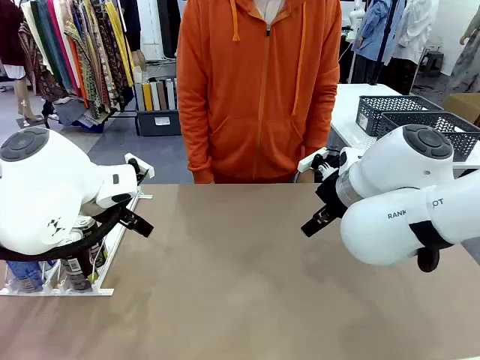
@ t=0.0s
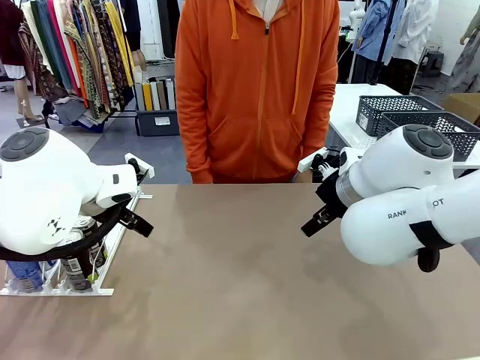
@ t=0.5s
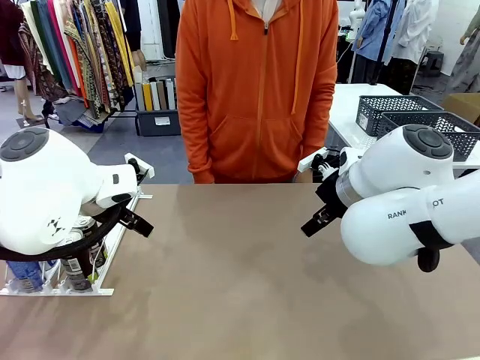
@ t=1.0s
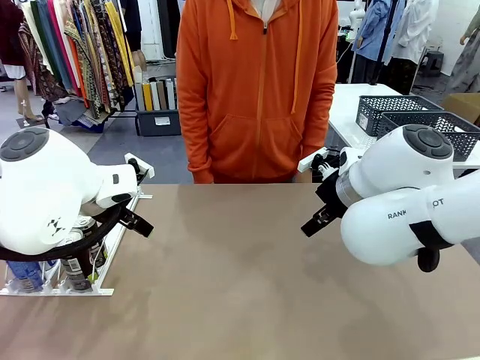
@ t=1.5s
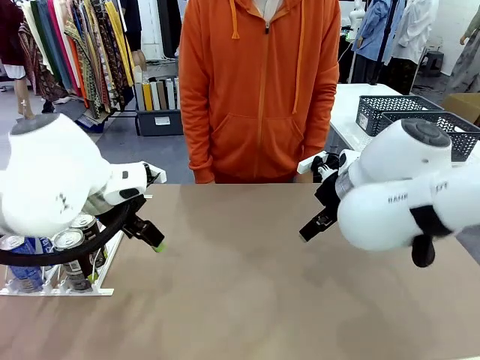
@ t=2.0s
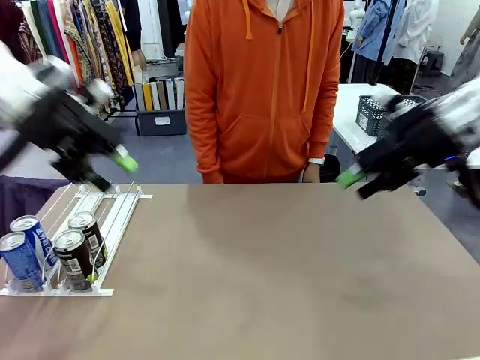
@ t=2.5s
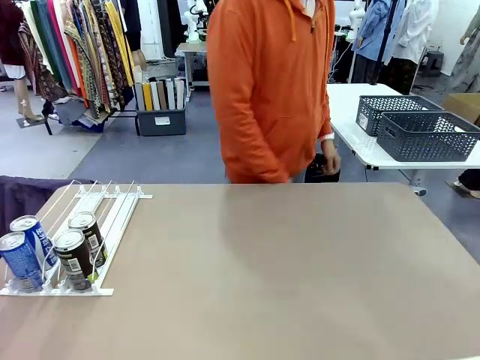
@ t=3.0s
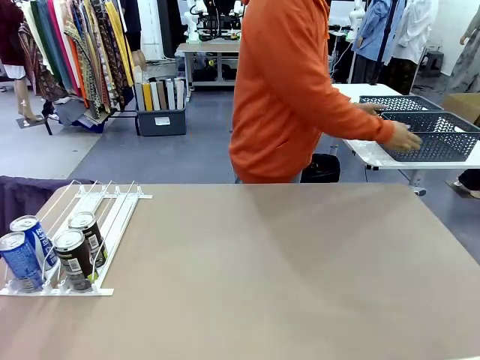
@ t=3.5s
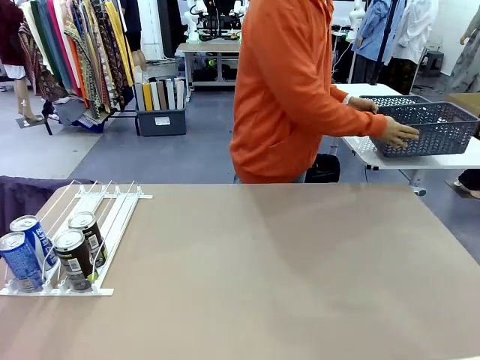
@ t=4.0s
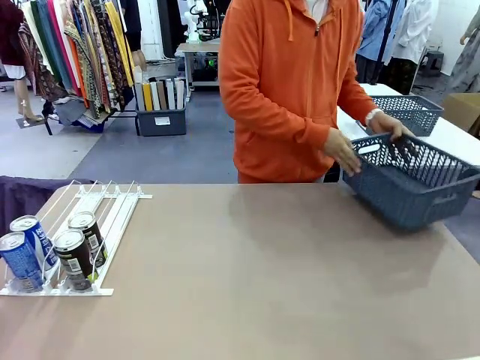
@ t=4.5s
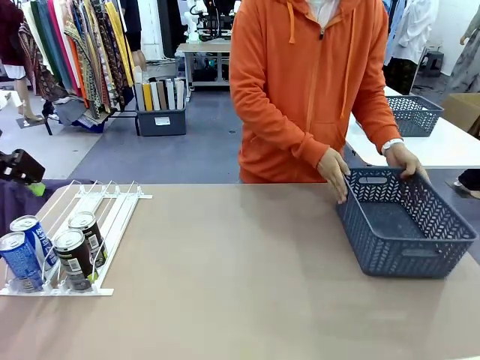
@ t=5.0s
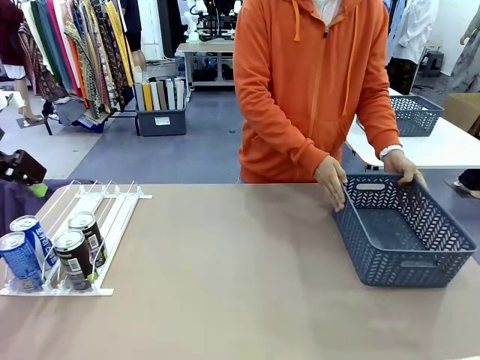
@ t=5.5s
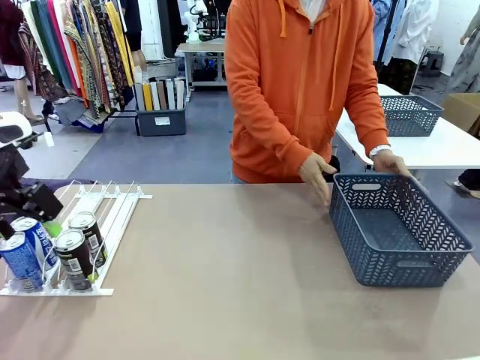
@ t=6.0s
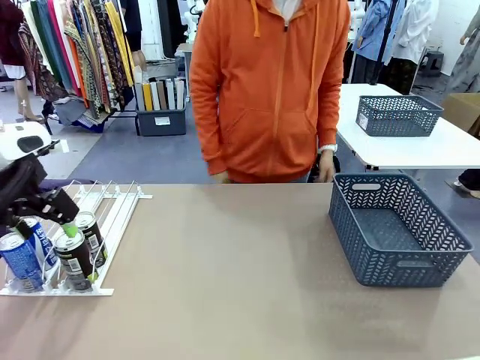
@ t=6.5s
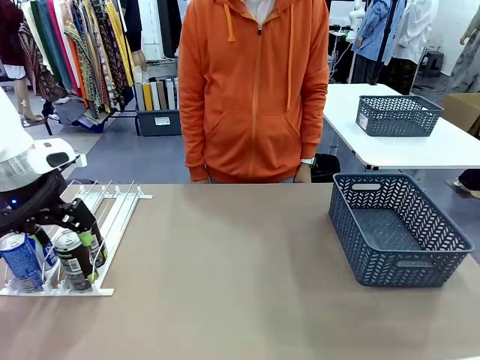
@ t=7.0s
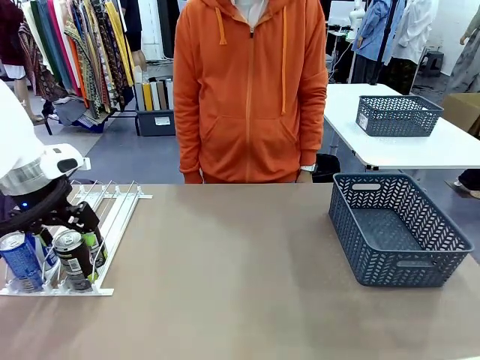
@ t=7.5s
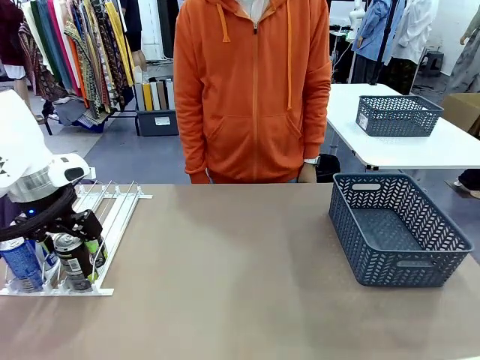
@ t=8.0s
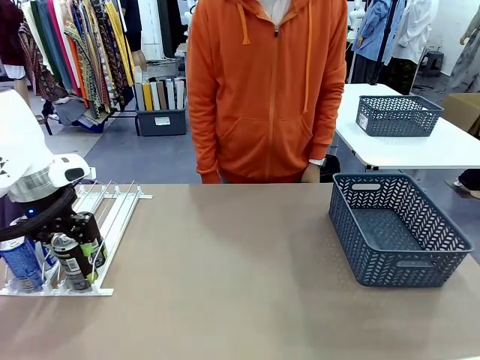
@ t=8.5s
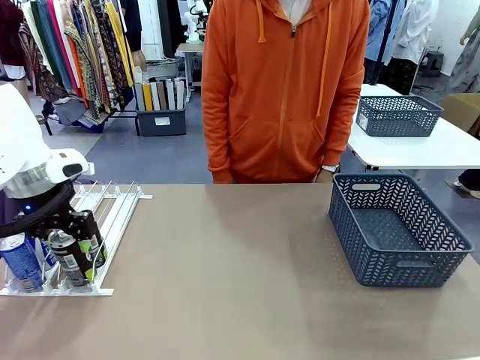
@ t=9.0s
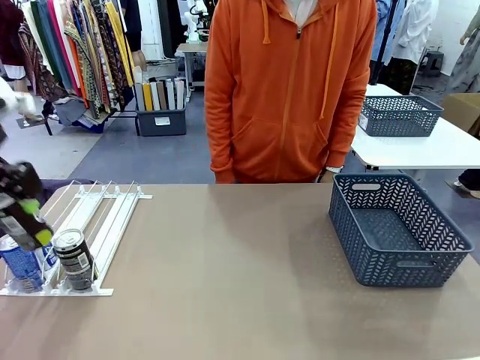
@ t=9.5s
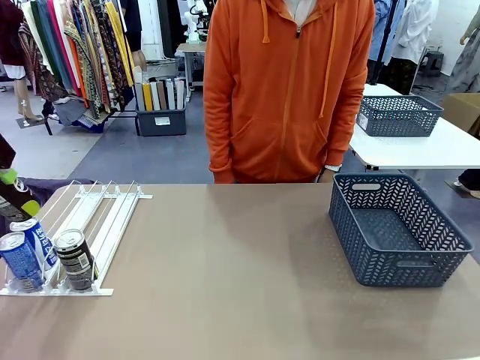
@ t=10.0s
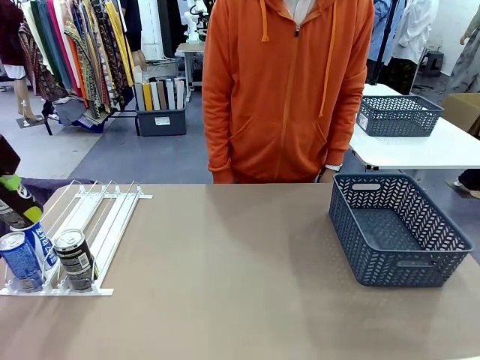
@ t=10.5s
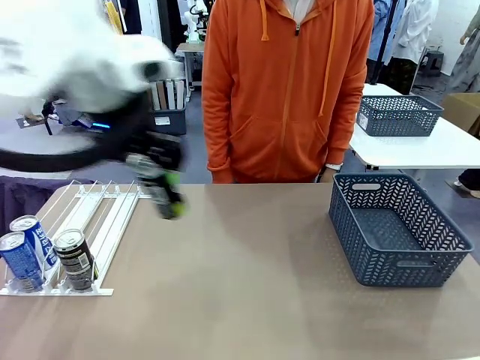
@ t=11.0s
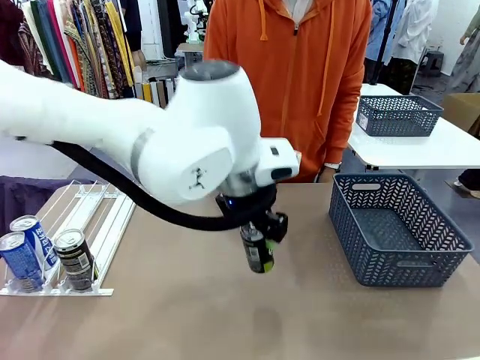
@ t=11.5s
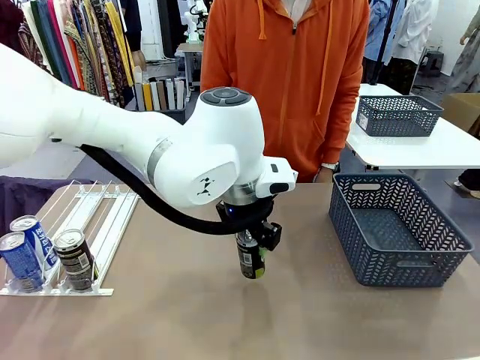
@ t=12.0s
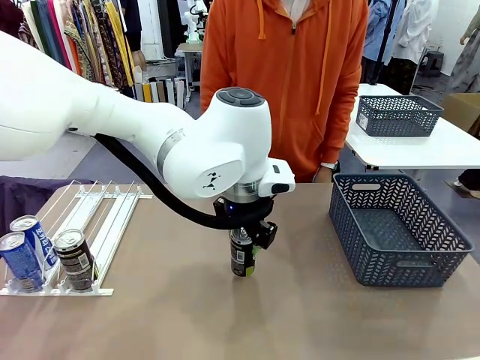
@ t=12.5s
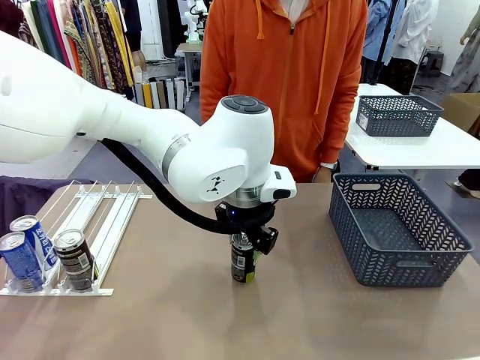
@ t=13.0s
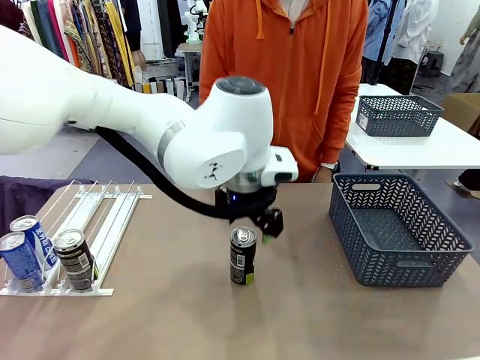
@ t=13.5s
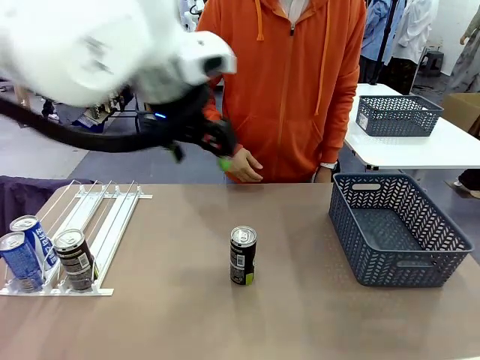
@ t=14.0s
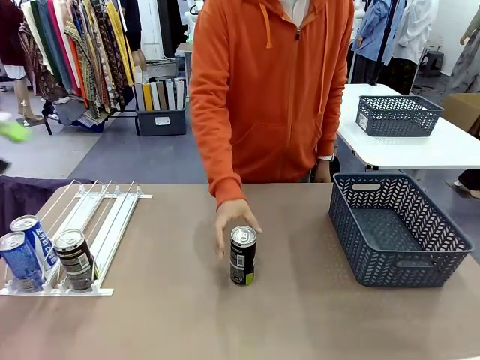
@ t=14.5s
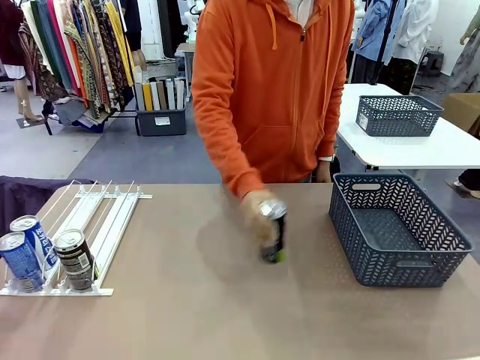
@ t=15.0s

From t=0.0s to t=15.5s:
Task: Retrieve and store the cans from the dispenser.
Robot: Pick up one can from the Automatic Can Dispenser and place it in the middle of the table.
Person: Pick up the basket and place it on the left side of the robot table.

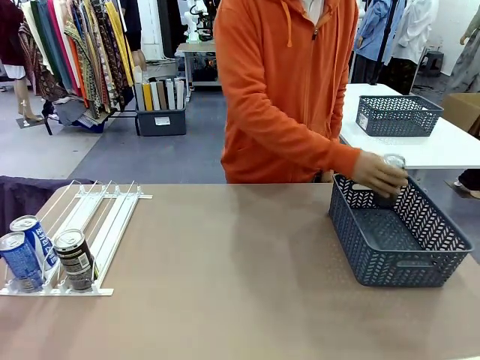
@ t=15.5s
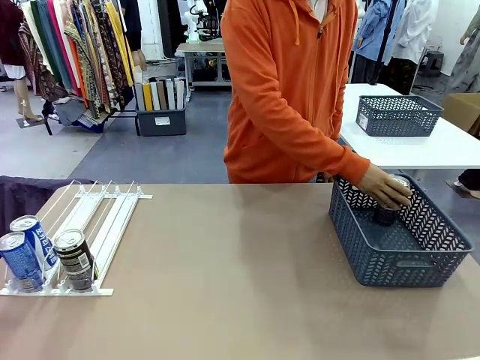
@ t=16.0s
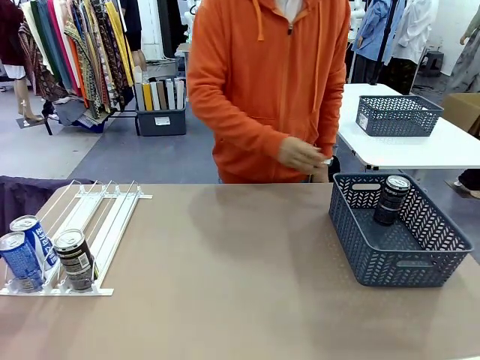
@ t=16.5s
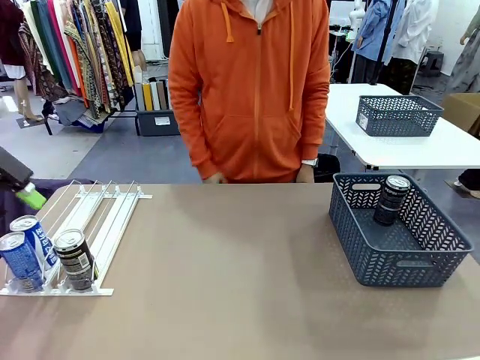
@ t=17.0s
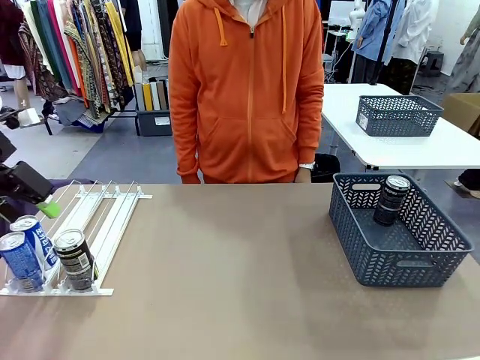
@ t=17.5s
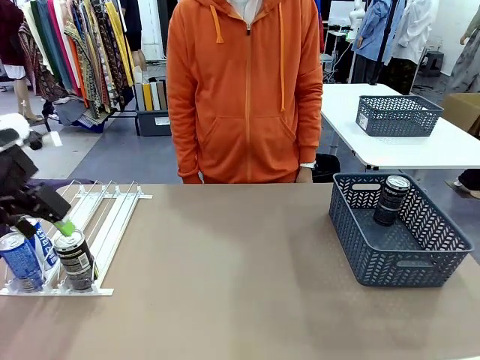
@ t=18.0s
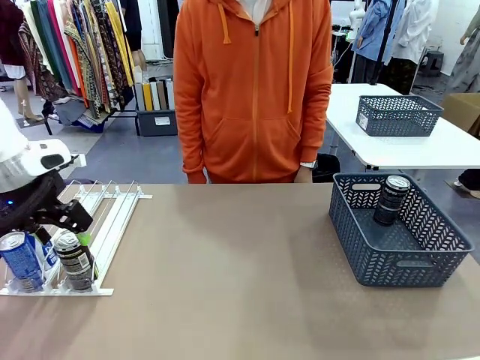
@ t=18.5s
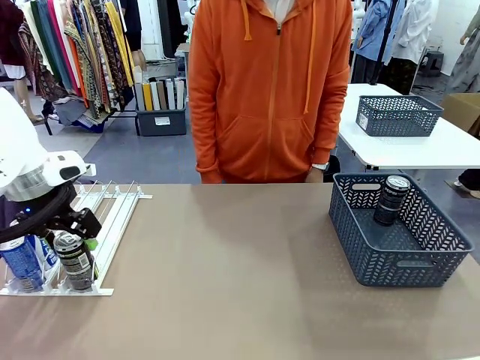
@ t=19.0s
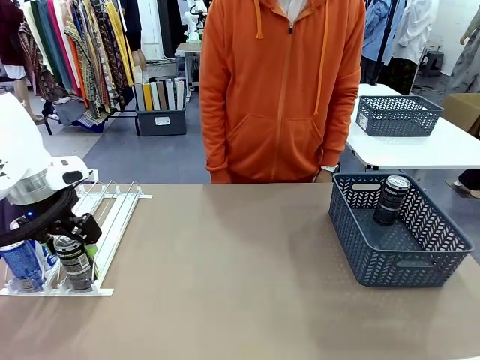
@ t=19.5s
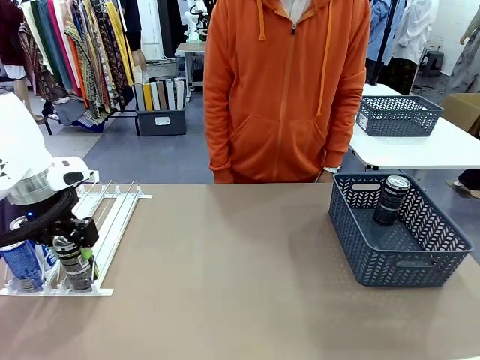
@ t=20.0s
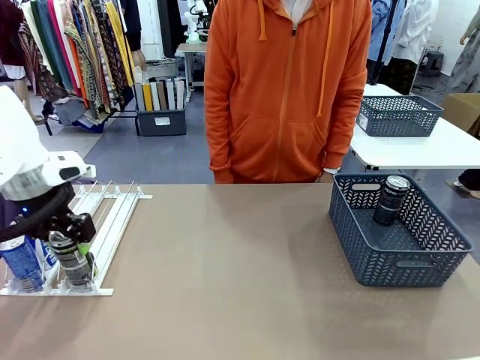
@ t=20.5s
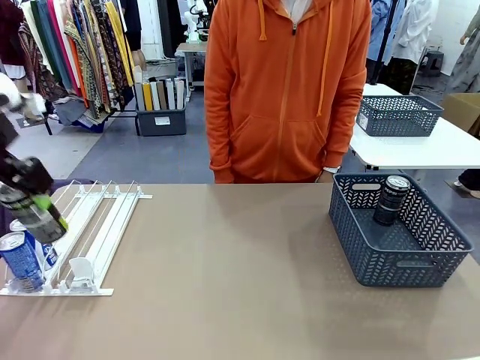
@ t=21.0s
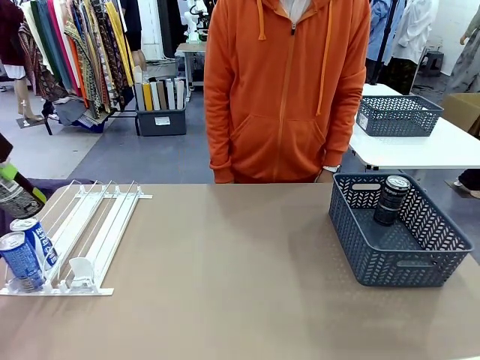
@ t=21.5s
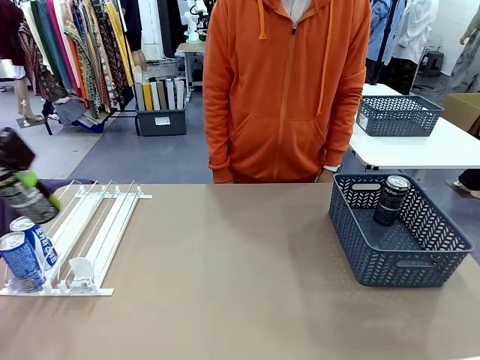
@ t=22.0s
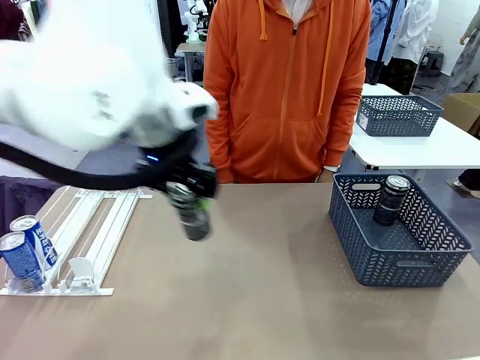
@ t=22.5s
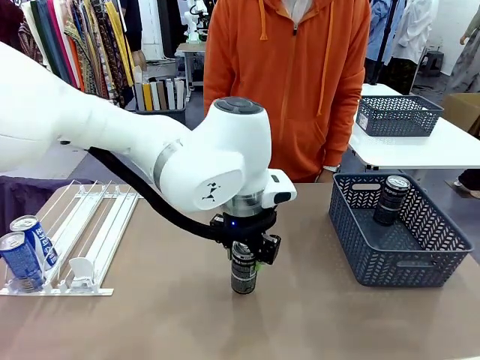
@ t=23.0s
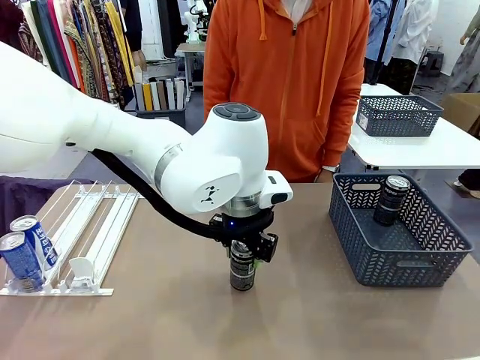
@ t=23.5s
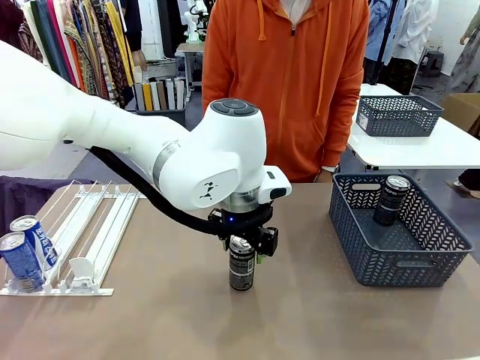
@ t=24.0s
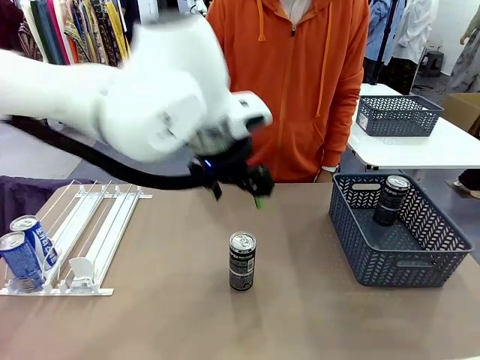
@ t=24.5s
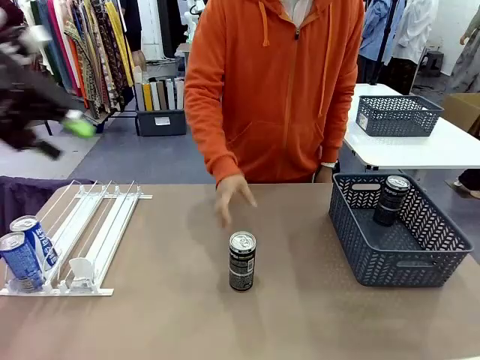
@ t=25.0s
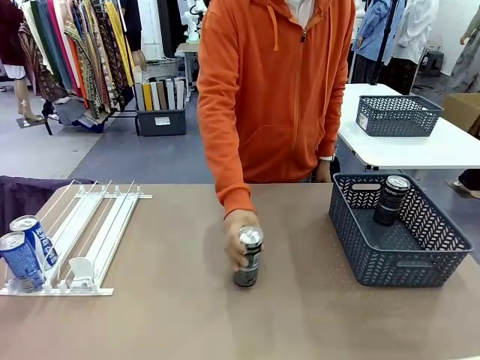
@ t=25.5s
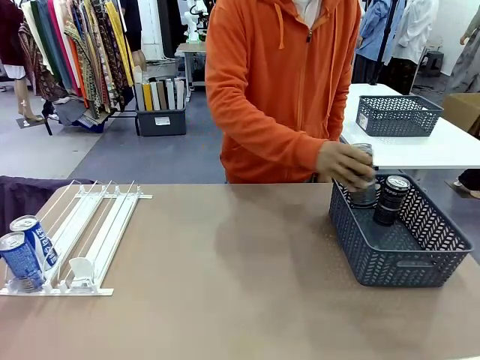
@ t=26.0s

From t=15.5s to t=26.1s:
Robot: Pick up the last remaining can from one row of the Automatic Can Dispenser and place it in the middle of the table.
Person: Pick up one Pepsi can from the middle of the robot table and place it in the basket.
